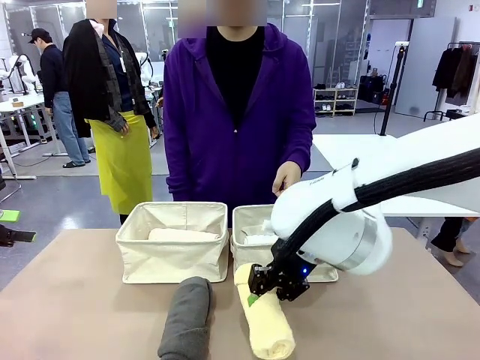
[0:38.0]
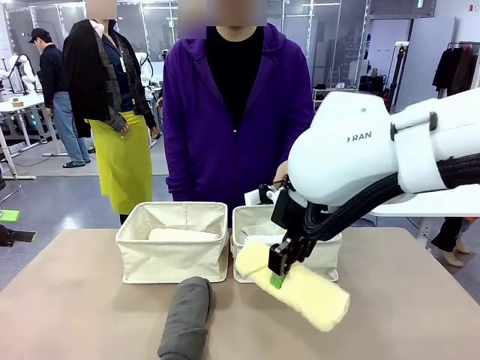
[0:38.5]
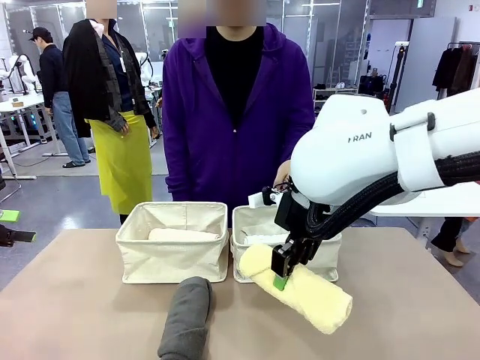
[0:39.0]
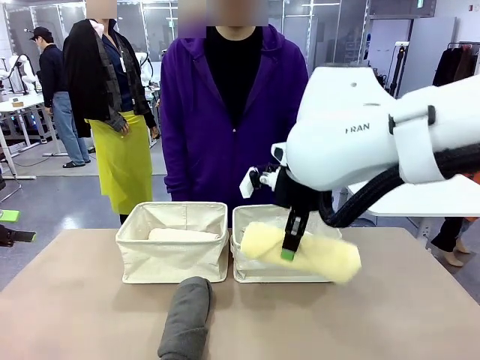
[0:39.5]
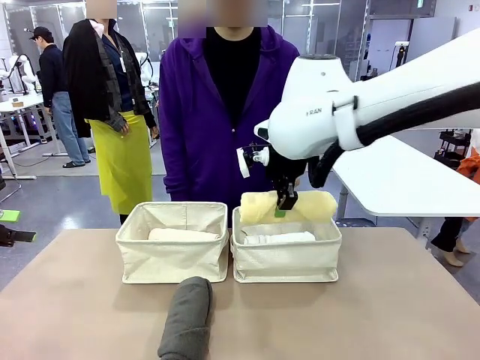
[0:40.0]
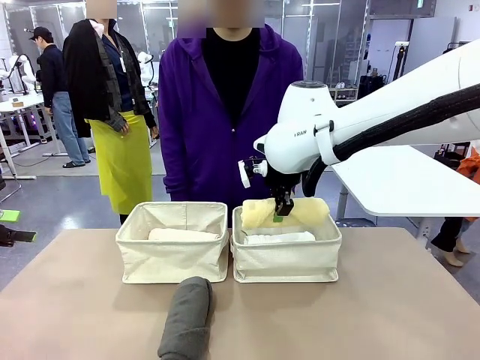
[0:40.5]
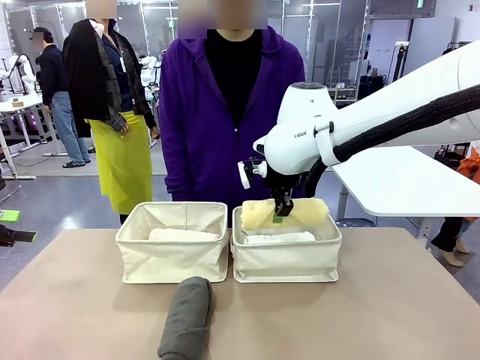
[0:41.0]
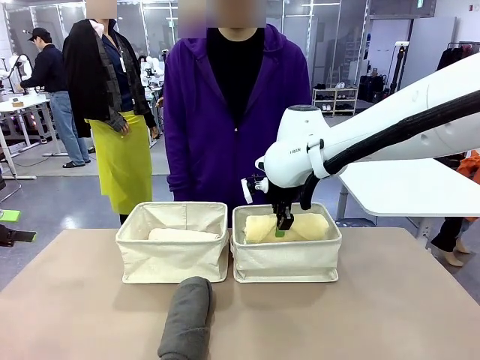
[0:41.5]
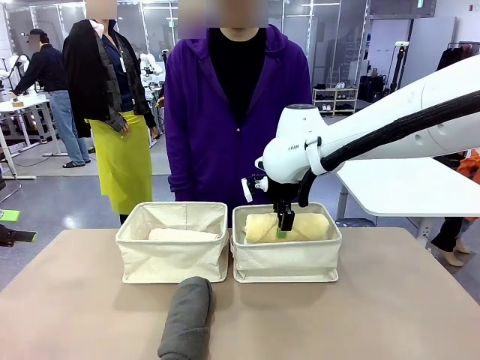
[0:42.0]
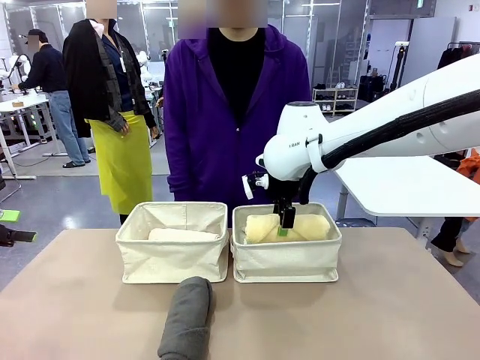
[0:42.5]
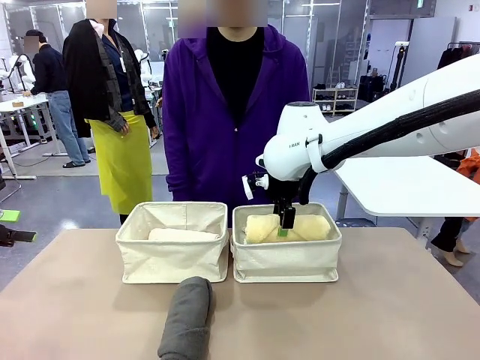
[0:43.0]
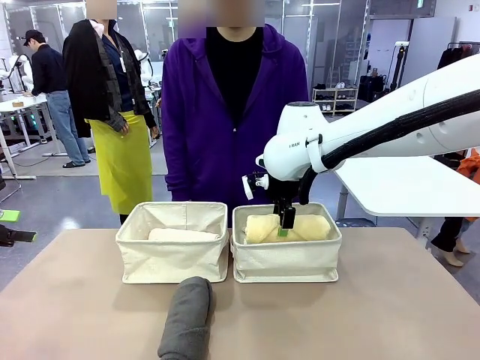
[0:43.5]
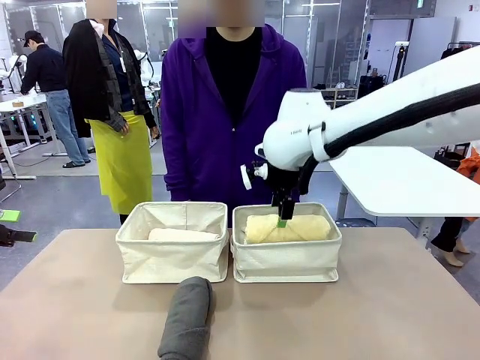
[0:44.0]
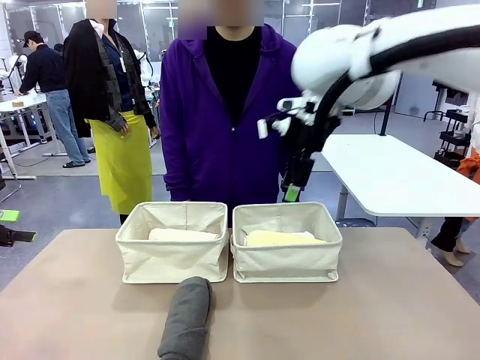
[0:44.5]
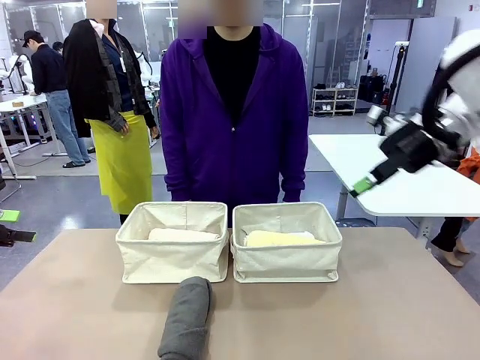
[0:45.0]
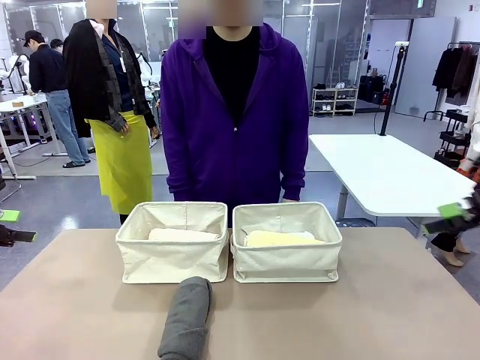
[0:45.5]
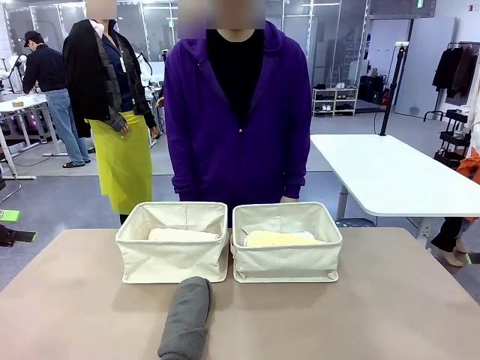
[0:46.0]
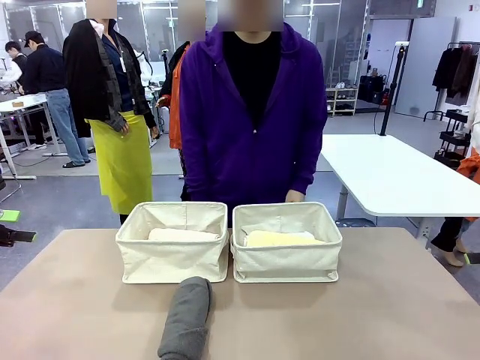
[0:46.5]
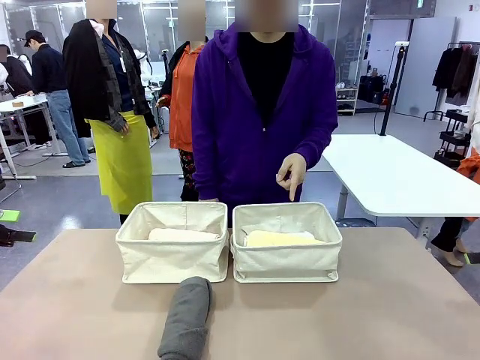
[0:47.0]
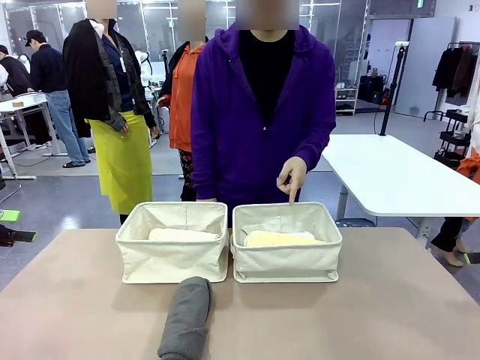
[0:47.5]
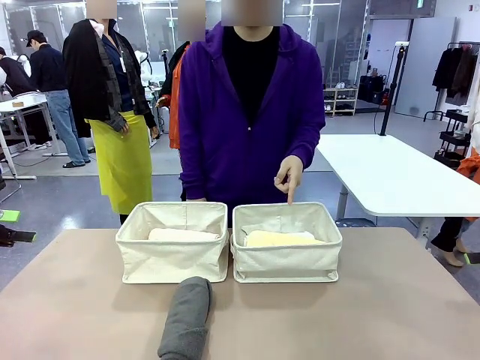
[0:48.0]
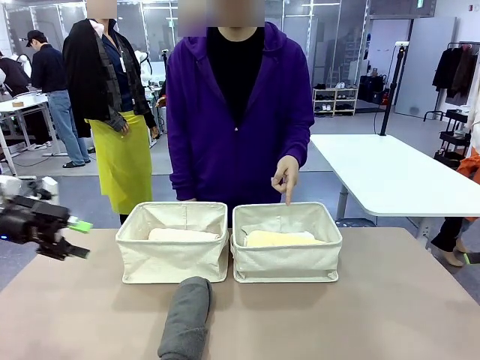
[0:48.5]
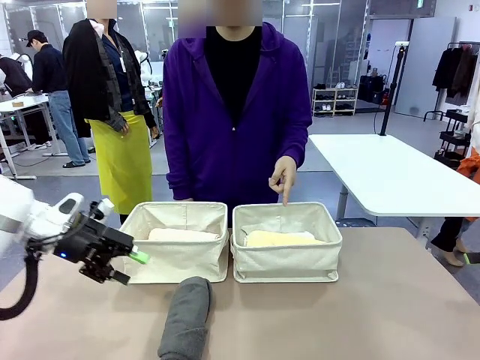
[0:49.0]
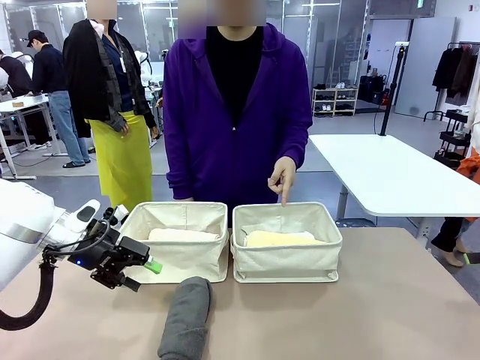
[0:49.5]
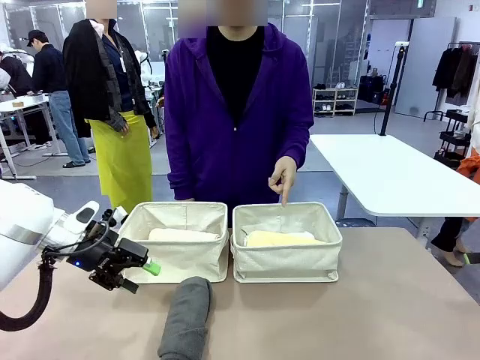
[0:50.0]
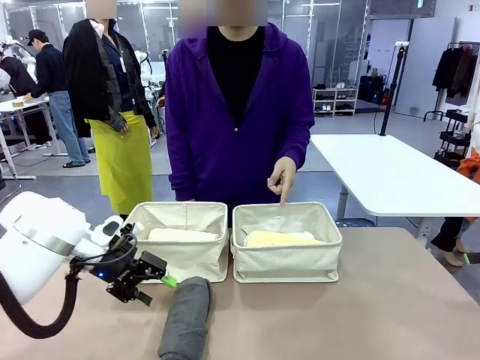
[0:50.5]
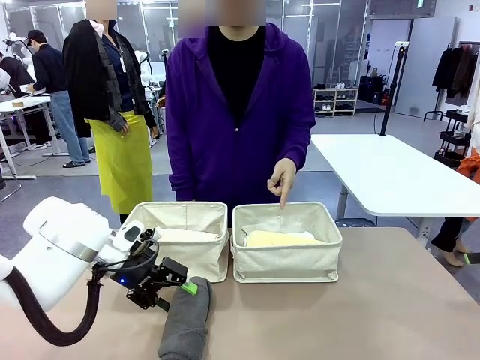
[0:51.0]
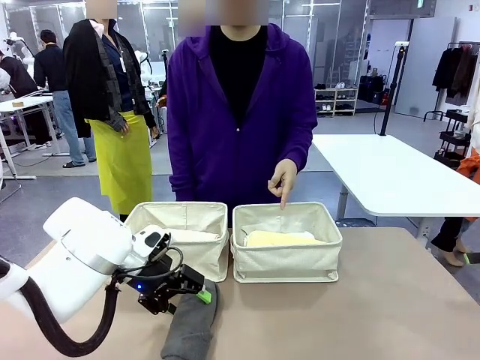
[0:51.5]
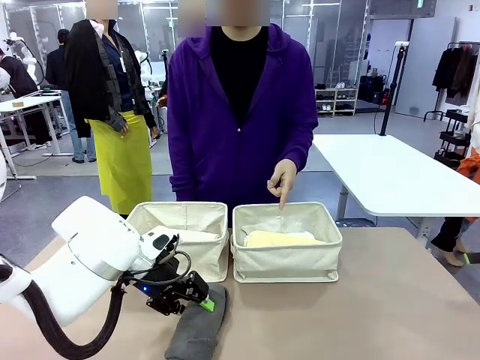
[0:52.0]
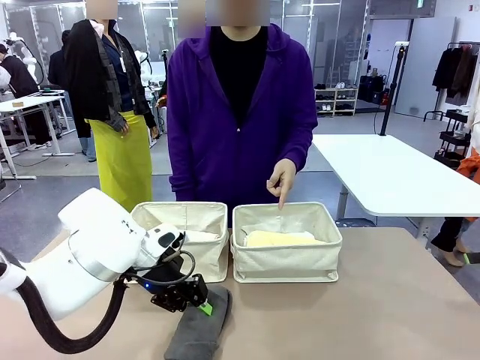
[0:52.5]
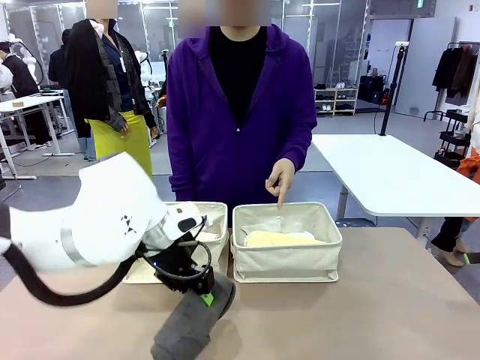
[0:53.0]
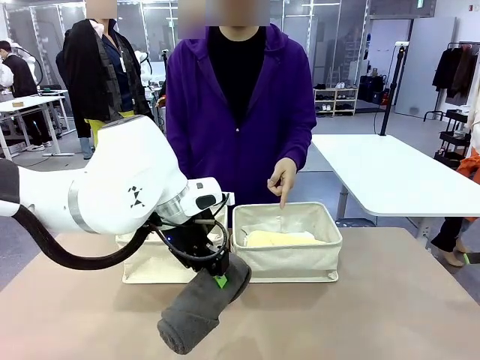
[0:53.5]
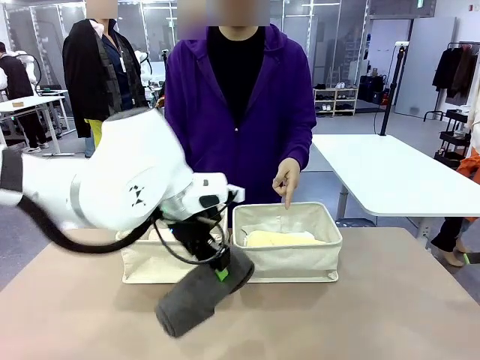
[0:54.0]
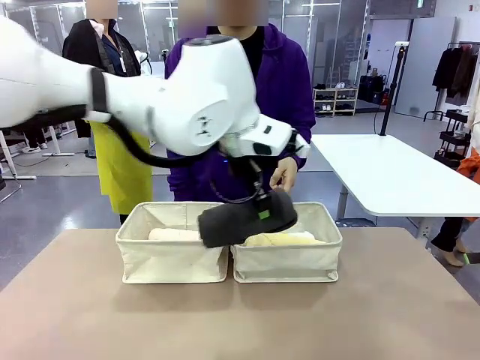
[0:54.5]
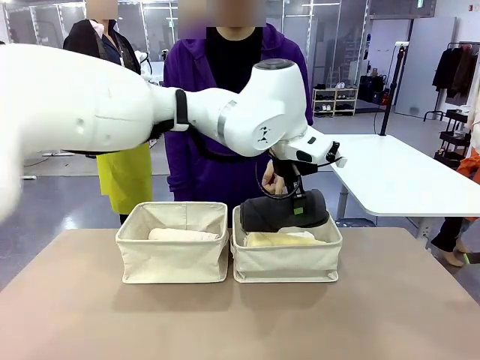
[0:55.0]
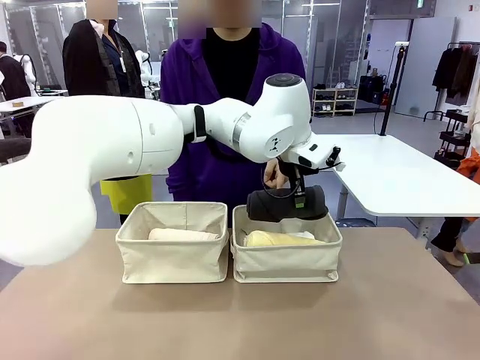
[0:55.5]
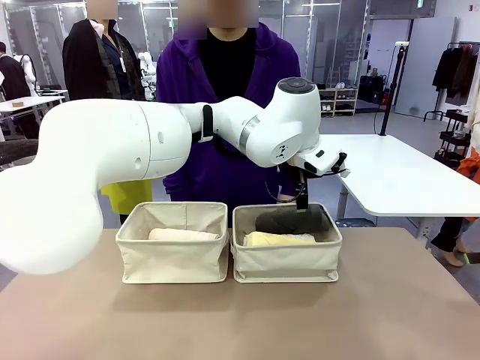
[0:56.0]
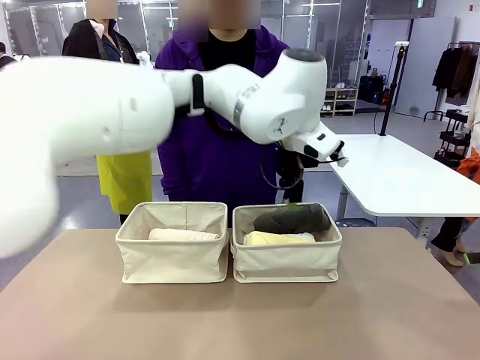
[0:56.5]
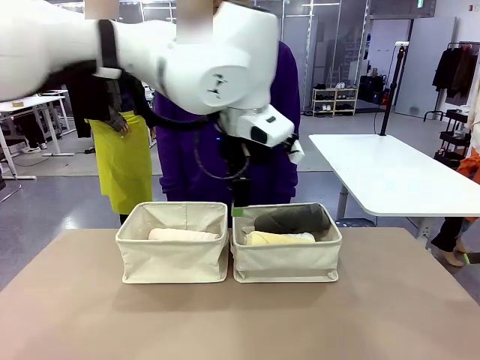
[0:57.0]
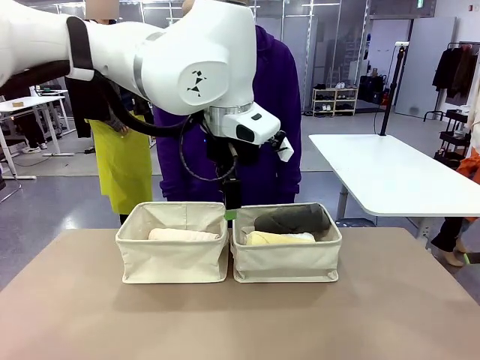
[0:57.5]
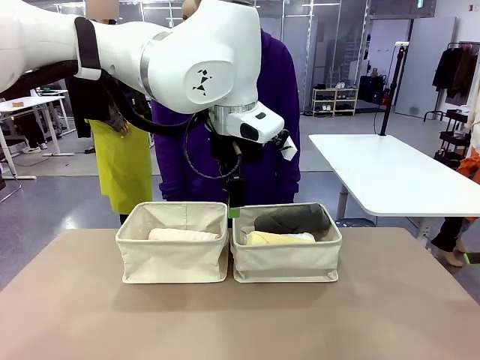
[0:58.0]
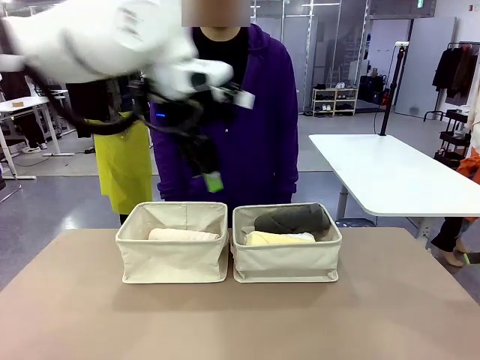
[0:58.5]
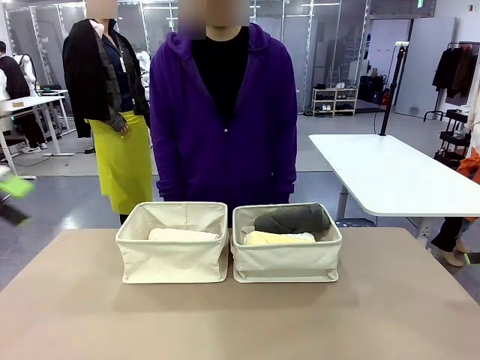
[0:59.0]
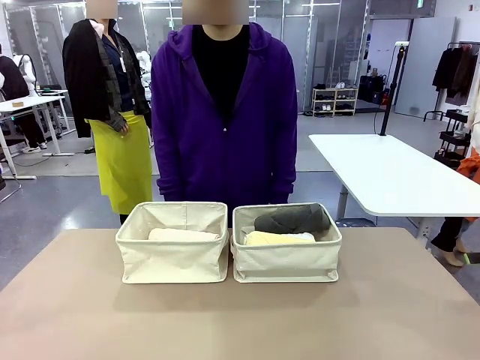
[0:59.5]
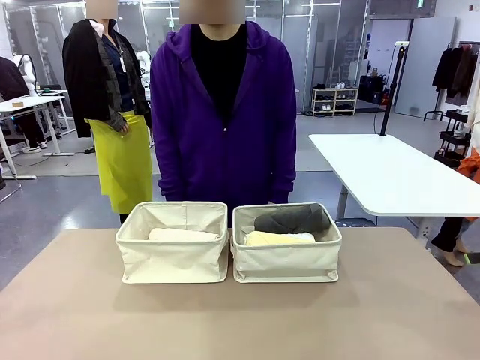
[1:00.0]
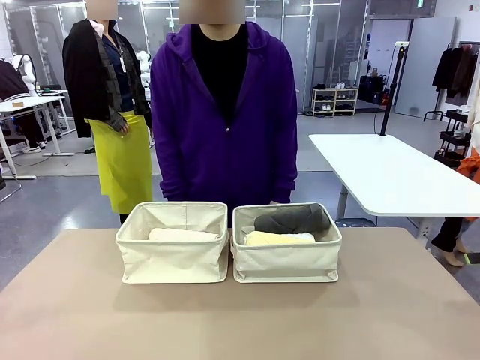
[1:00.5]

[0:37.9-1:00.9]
Task: Divide the towels into two baskets.
Robot: Pick up one hotel-folded towel from the bottom of the table and place it in the Fabric basket indicated by the person.
